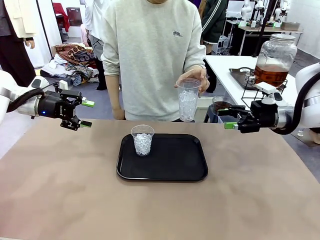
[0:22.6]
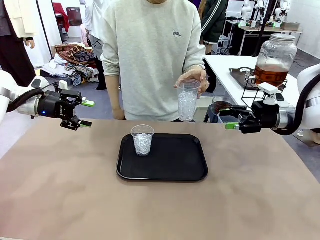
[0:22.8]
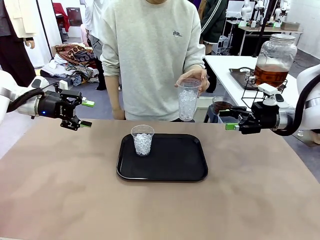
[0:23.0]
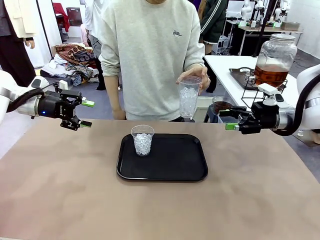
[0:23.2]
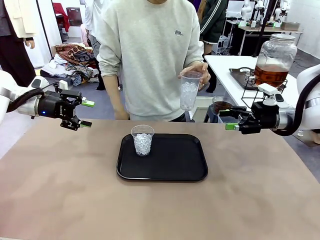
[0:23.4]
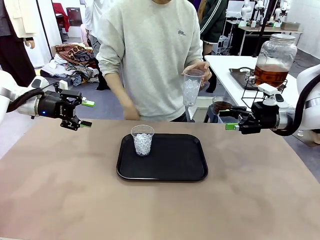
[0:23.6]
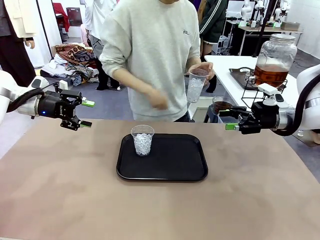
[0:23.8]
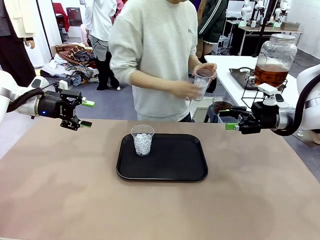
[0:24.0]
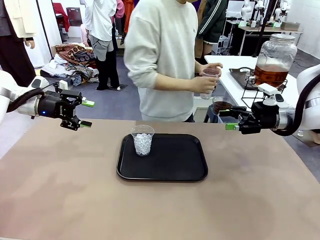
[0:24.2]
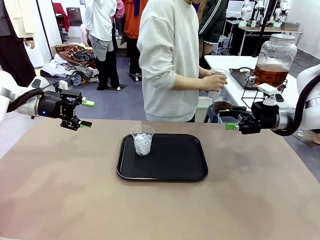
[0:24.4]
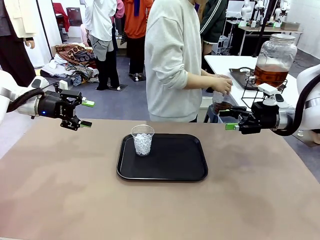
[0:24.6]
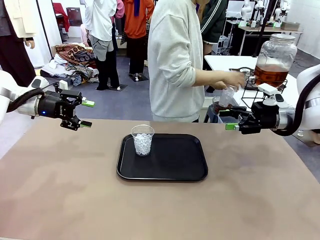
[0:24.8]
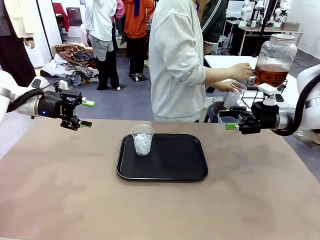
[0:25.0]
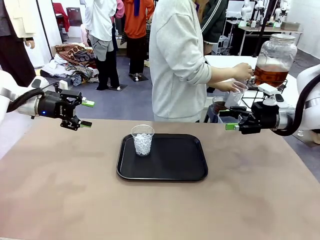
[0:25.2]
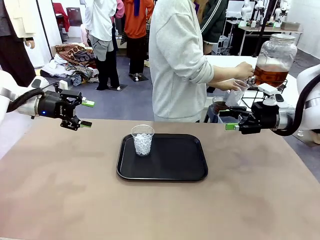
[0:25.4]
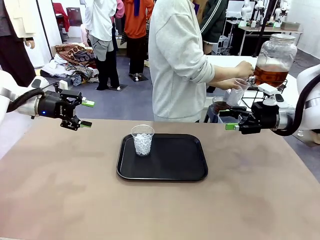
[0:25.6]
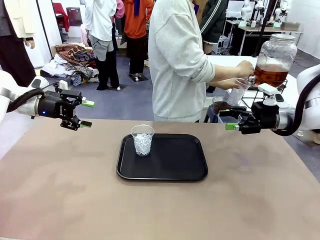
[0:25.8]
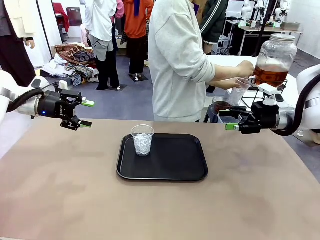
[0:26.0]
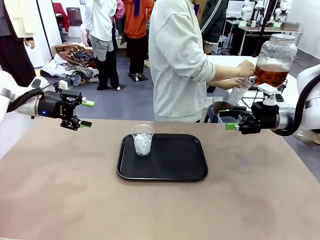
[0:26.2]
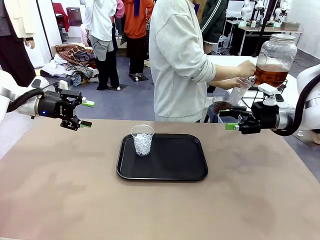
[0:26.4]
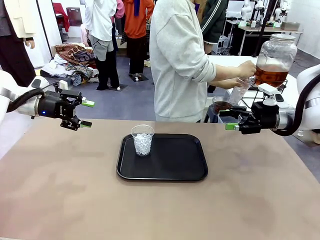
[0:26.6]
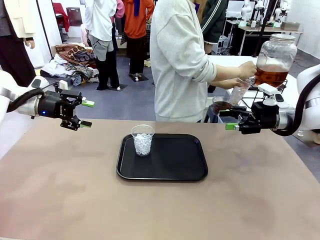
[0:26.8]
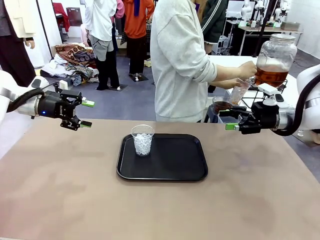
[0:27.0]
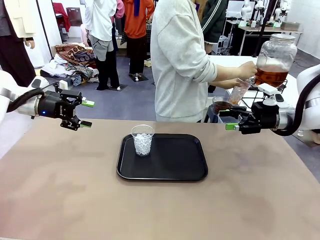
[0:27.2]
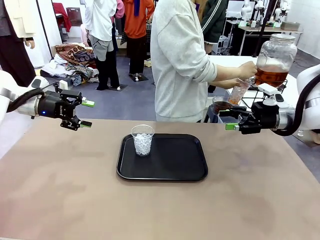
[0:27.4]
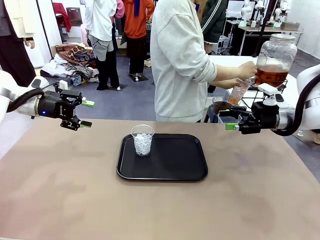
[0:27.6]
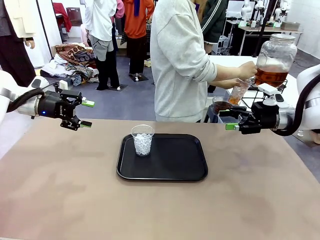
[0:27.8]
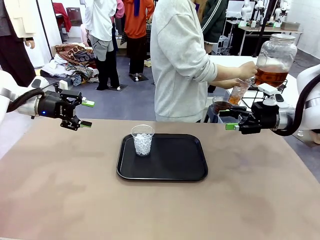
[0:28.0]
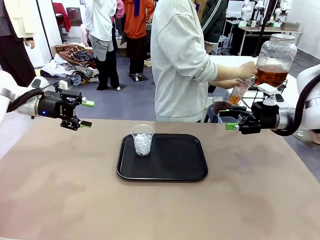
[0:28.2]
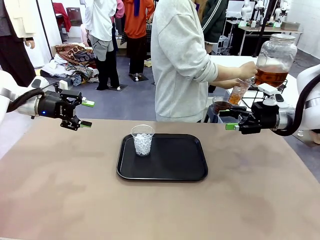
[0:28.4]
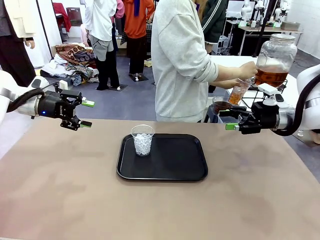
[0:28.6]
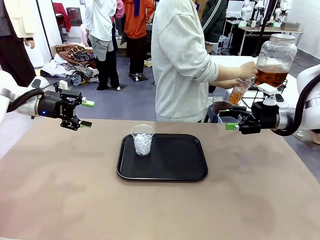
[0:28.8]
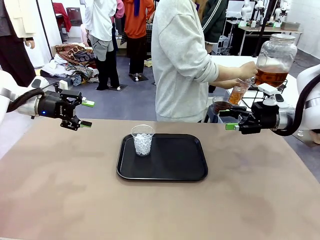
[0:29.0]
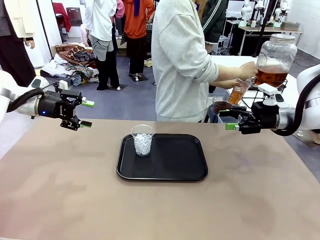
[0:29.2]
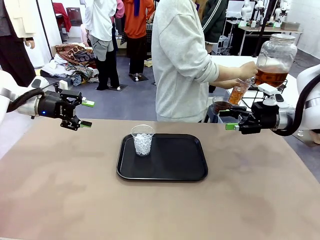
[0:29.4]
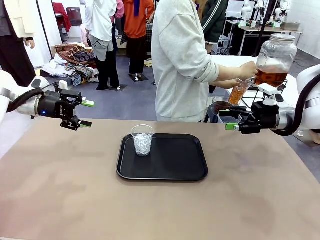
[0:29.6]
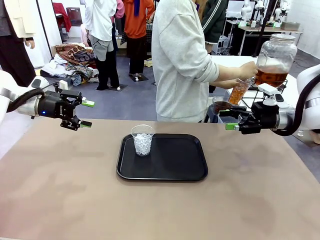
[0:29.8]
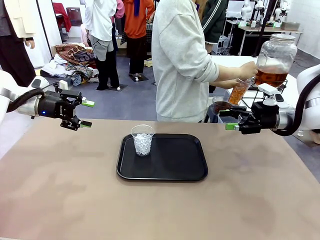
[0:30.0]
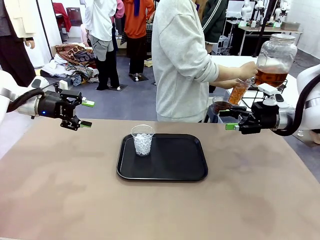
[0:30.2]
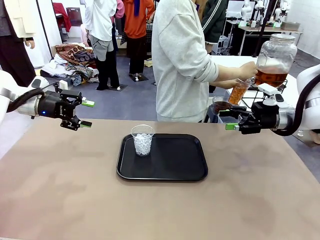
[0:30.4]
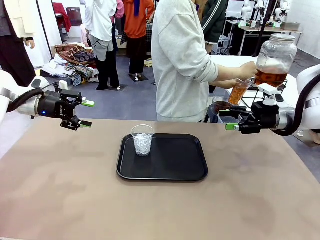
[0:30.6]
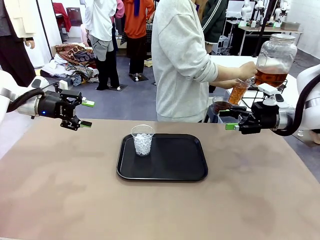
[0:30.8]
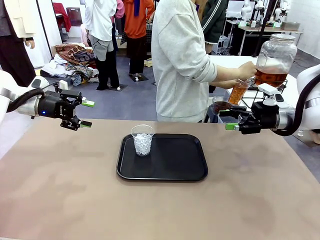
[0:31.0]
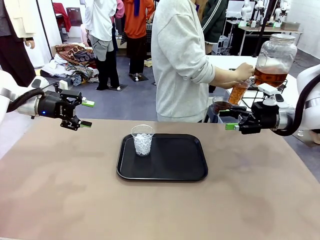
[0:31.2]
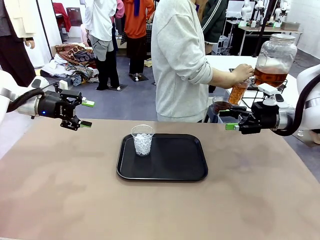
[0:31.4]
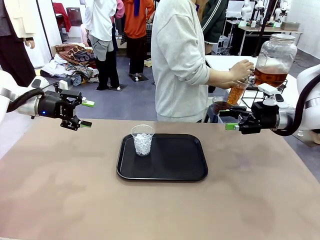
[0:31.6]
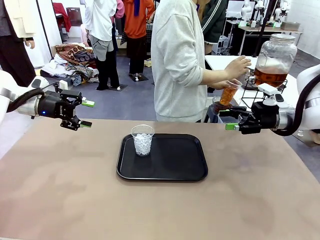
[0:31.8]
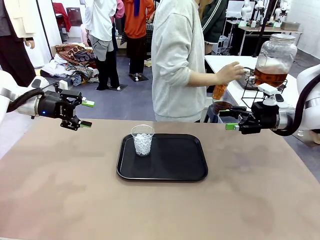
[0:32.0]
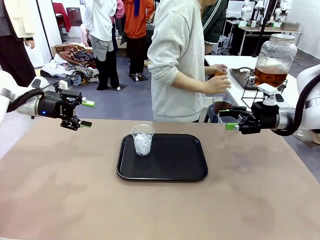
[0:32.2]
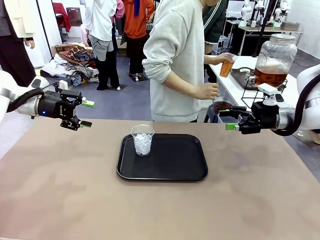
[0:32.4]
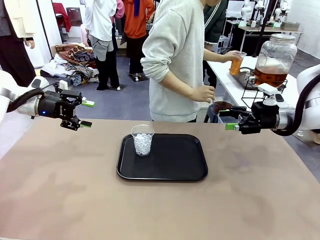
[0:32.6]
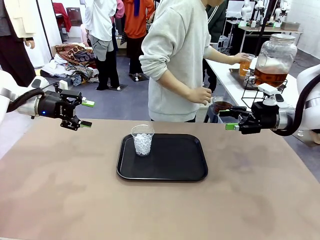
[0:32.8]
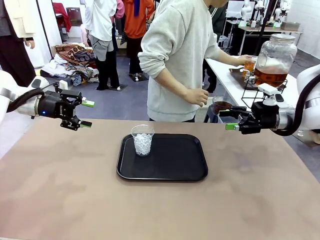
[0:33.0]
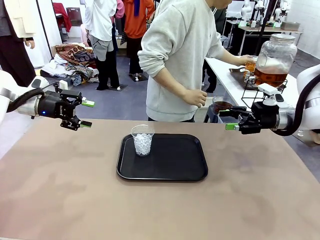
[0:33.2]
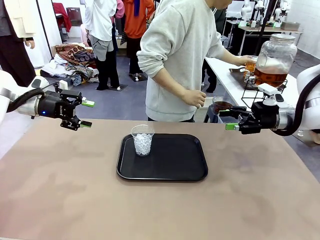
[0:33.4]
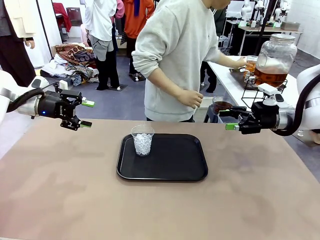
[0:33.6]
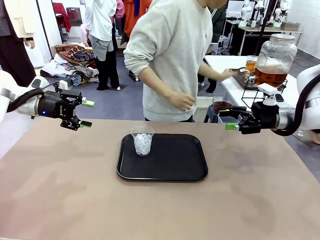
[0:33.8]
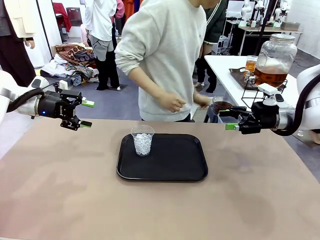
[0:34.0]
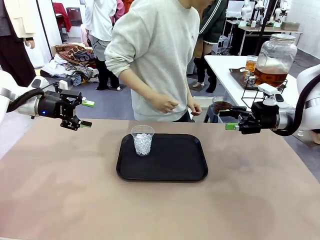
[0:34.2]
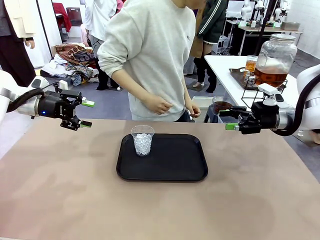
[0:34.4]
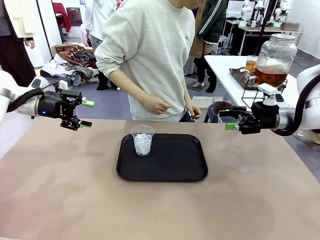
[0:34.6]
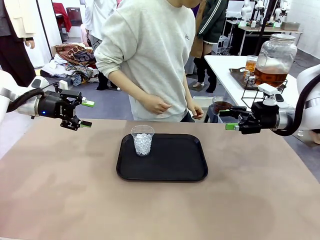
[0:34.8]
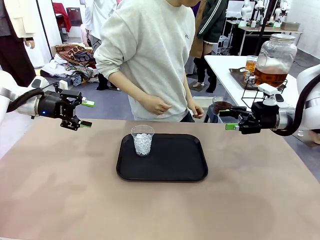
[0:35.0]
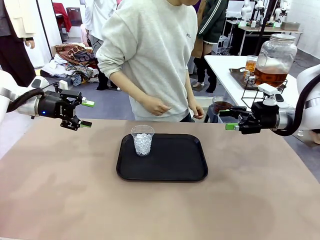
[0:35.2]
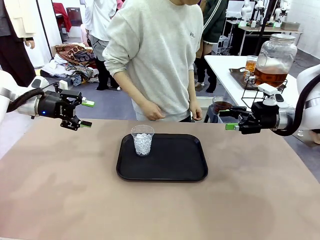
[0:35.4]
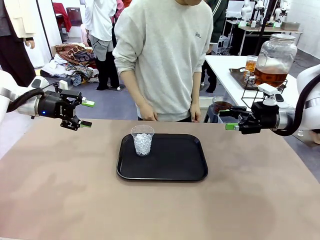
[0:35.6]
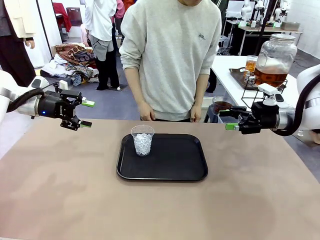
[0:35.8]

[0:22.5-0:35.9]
Task: Pour the drink into the iced cup.
Robot: Pick up the iced cup indicated by the human and present it to them.
Person: Move the picked-up cup under the dispenser faucet, pour the drink, and place it on the tray on the human table. Point to the remaining ice cup on the robot table.
